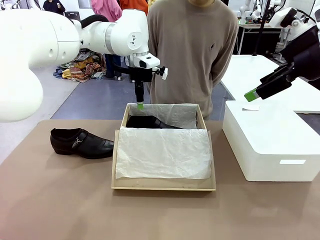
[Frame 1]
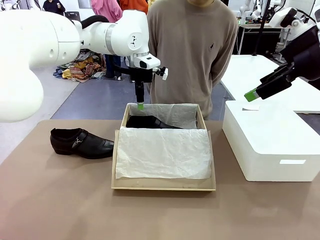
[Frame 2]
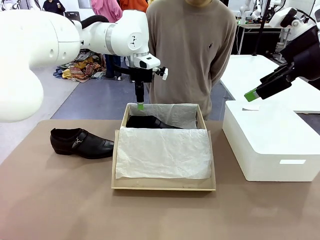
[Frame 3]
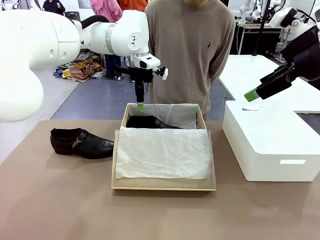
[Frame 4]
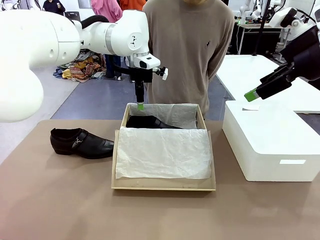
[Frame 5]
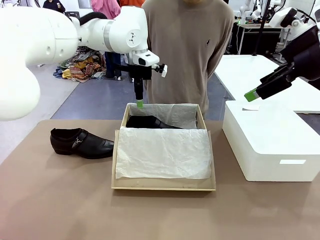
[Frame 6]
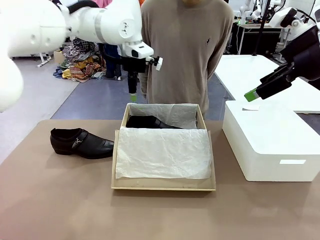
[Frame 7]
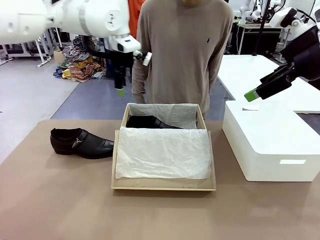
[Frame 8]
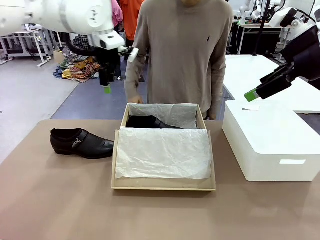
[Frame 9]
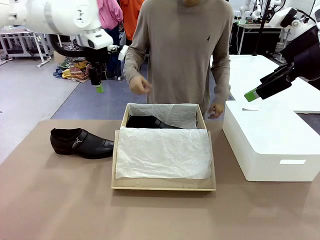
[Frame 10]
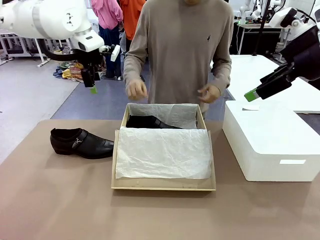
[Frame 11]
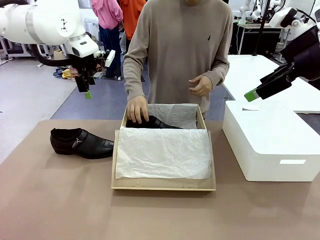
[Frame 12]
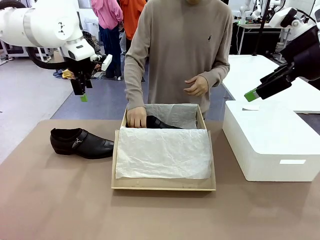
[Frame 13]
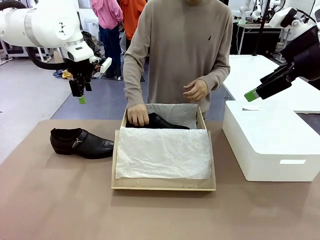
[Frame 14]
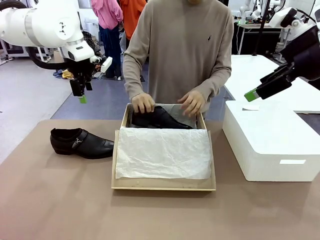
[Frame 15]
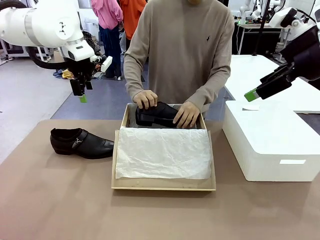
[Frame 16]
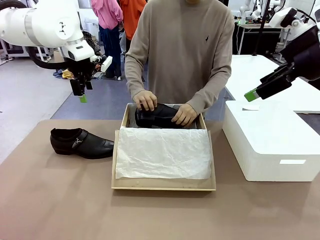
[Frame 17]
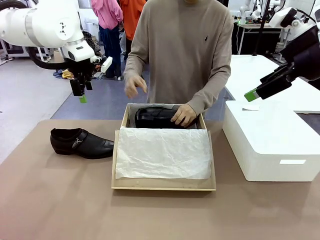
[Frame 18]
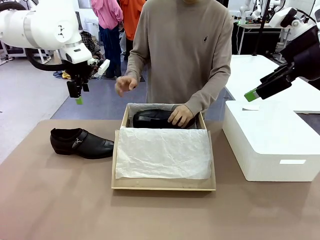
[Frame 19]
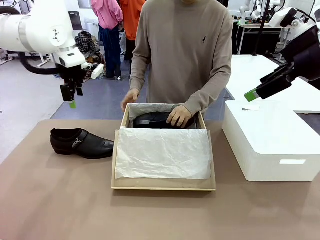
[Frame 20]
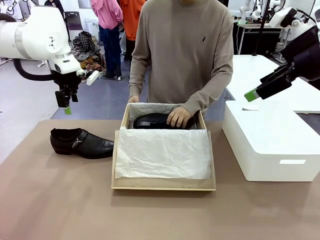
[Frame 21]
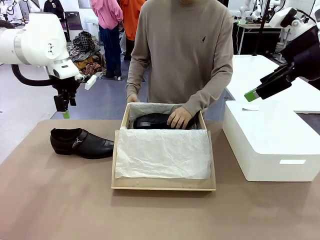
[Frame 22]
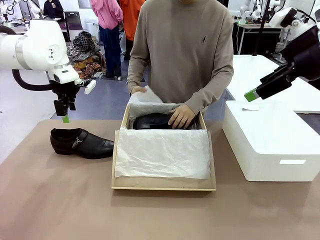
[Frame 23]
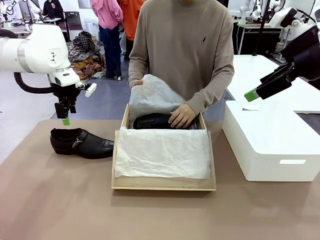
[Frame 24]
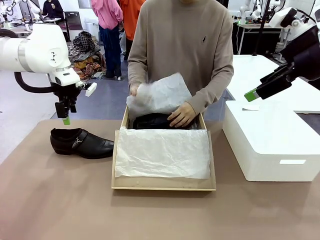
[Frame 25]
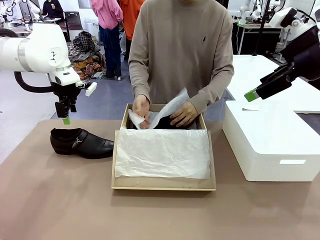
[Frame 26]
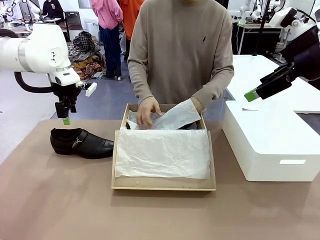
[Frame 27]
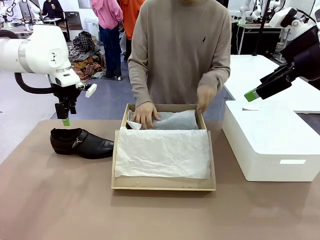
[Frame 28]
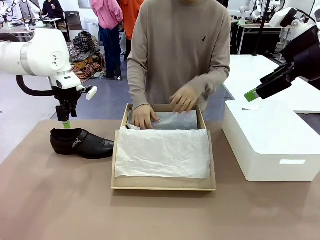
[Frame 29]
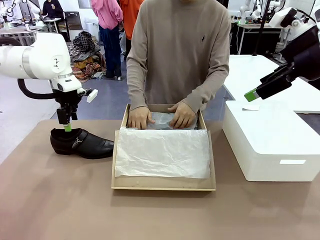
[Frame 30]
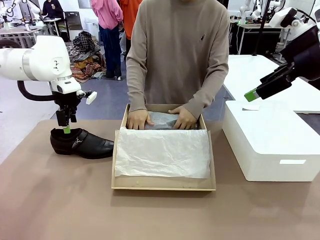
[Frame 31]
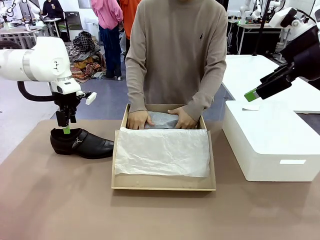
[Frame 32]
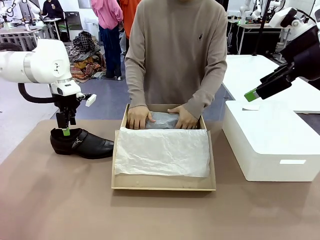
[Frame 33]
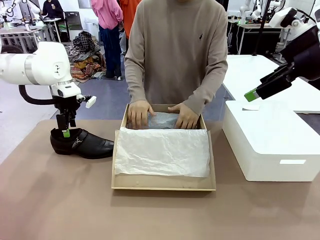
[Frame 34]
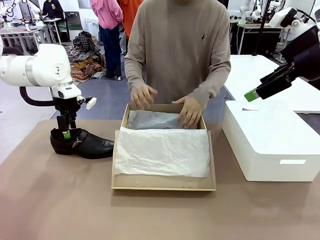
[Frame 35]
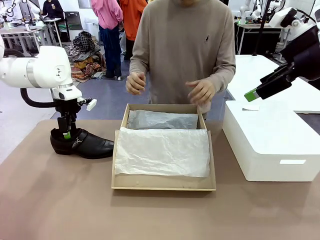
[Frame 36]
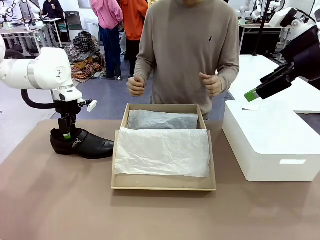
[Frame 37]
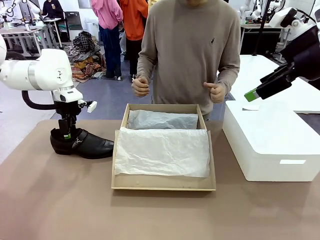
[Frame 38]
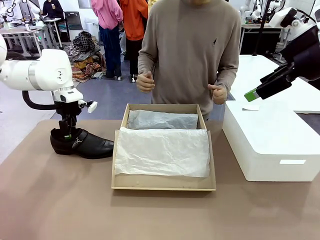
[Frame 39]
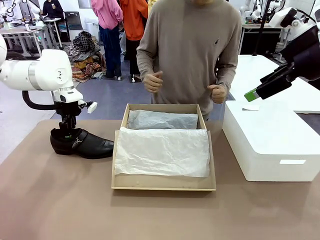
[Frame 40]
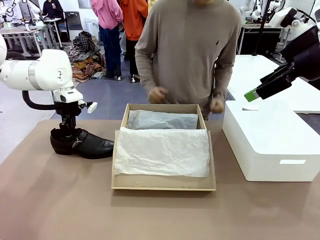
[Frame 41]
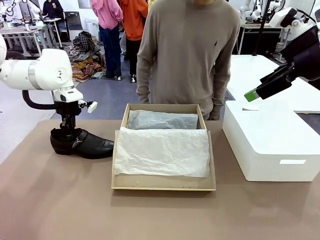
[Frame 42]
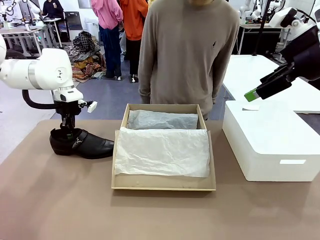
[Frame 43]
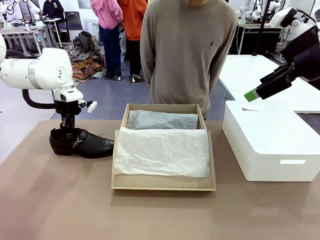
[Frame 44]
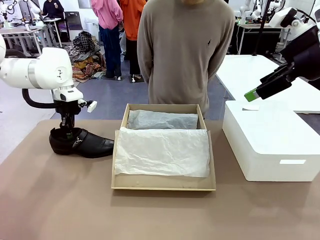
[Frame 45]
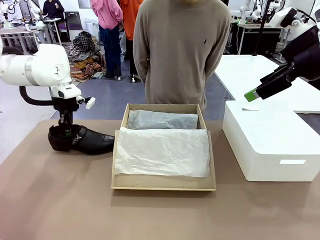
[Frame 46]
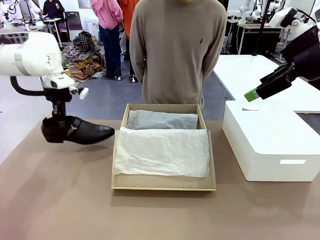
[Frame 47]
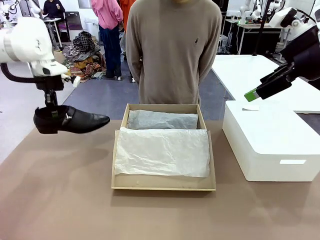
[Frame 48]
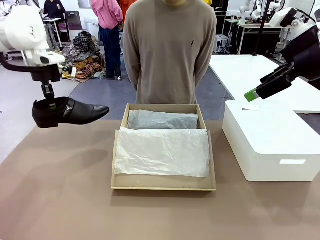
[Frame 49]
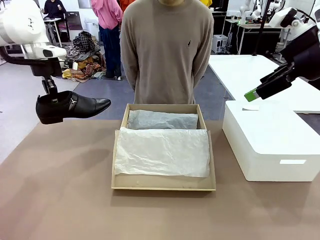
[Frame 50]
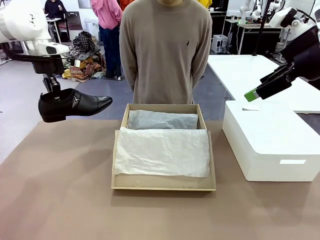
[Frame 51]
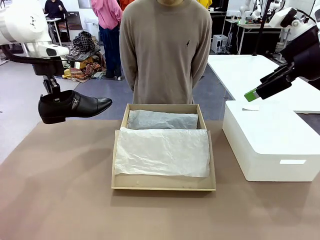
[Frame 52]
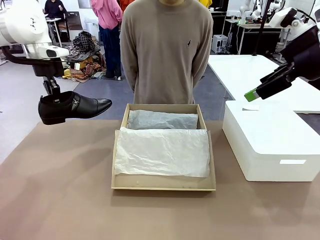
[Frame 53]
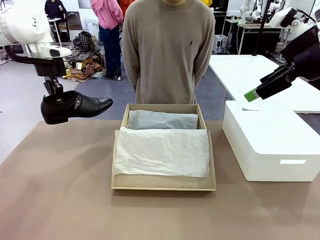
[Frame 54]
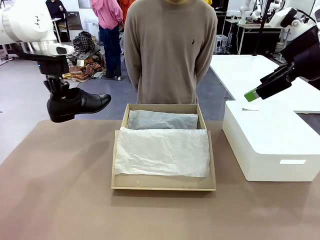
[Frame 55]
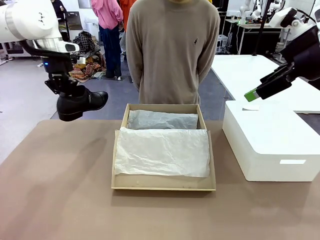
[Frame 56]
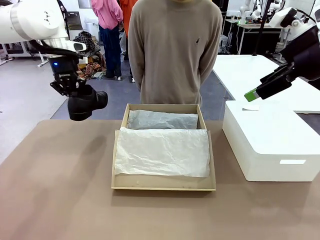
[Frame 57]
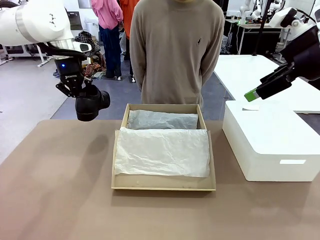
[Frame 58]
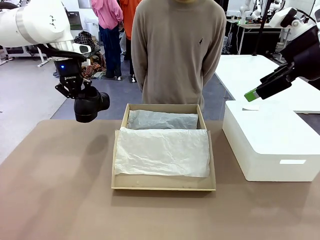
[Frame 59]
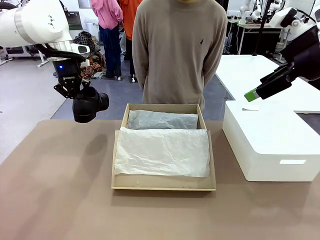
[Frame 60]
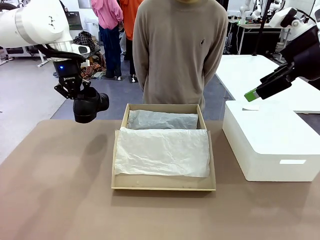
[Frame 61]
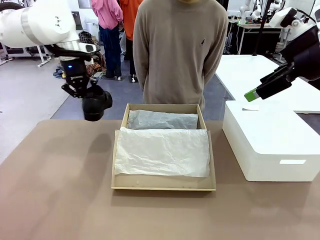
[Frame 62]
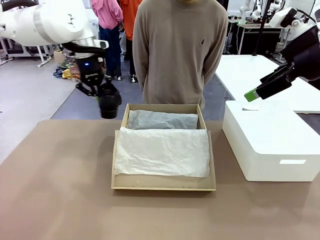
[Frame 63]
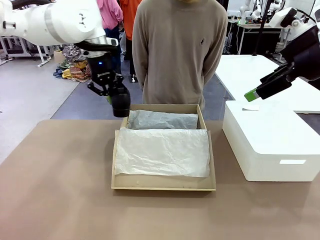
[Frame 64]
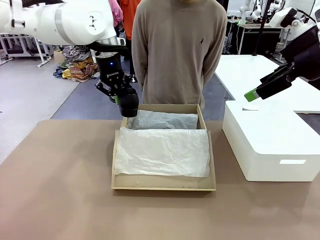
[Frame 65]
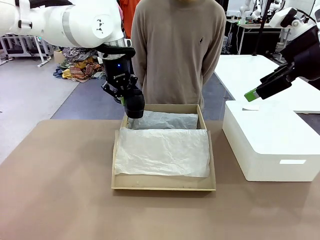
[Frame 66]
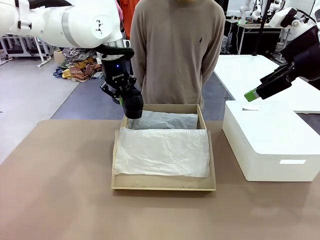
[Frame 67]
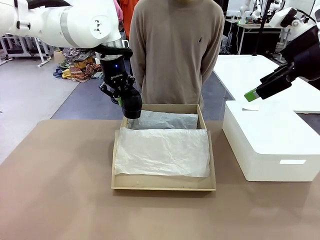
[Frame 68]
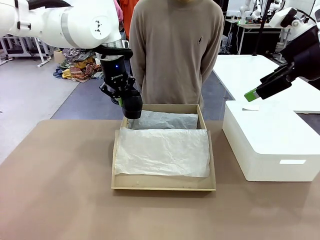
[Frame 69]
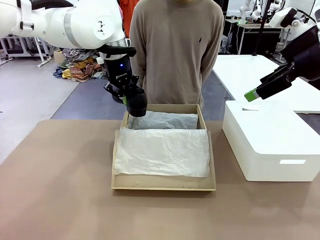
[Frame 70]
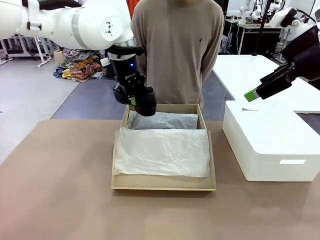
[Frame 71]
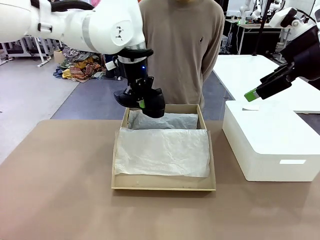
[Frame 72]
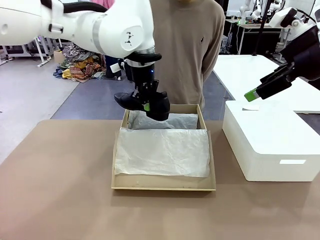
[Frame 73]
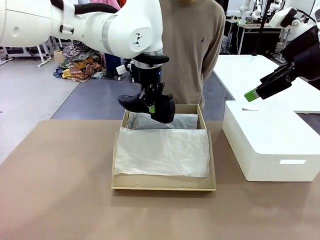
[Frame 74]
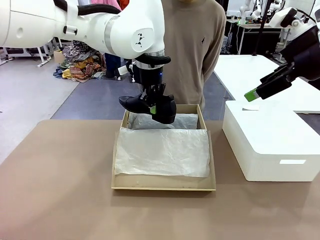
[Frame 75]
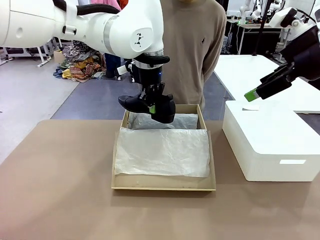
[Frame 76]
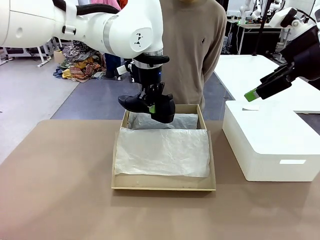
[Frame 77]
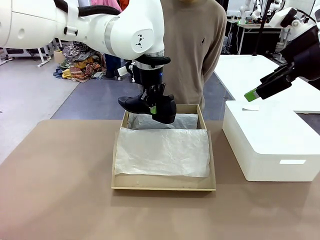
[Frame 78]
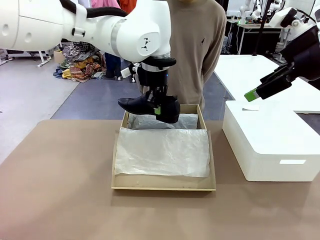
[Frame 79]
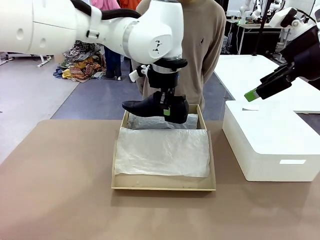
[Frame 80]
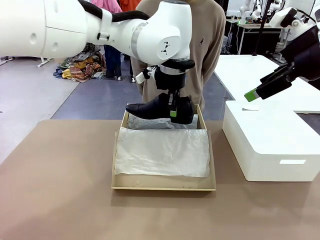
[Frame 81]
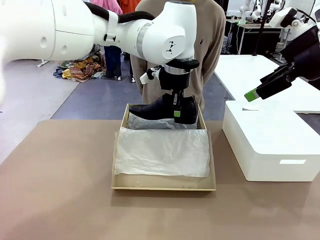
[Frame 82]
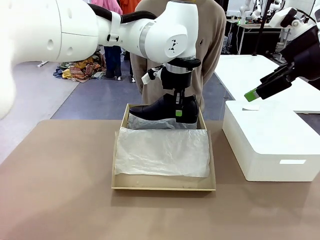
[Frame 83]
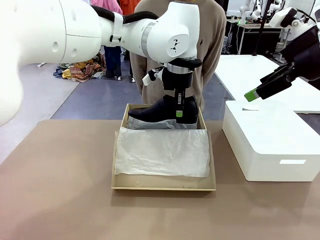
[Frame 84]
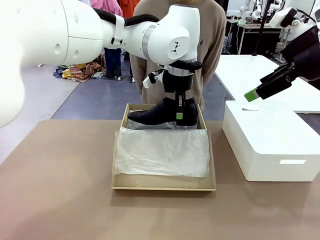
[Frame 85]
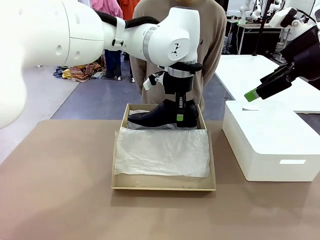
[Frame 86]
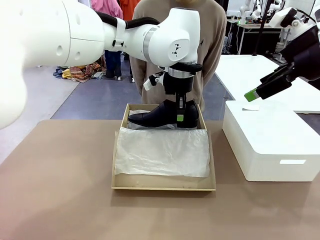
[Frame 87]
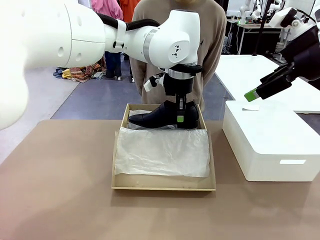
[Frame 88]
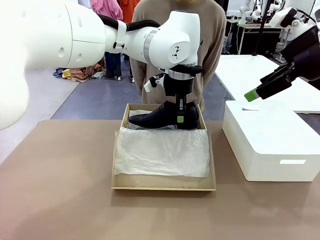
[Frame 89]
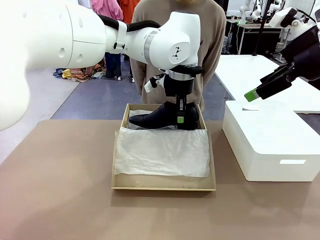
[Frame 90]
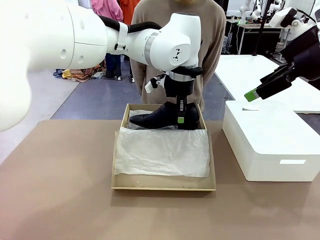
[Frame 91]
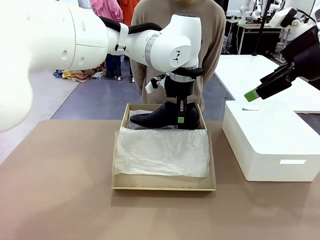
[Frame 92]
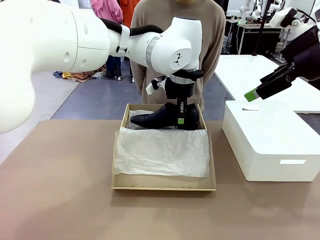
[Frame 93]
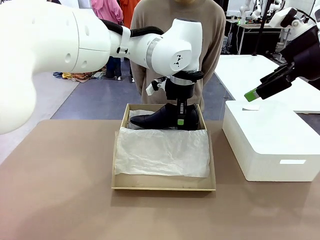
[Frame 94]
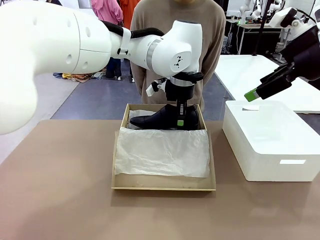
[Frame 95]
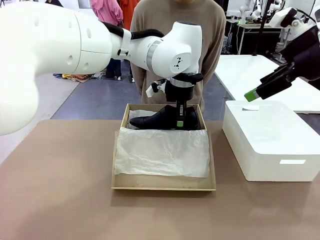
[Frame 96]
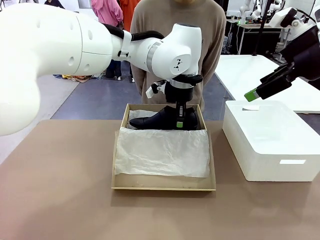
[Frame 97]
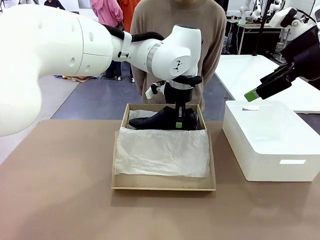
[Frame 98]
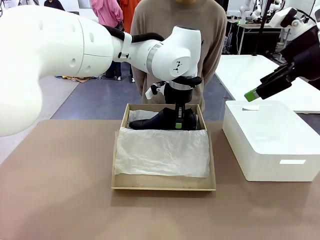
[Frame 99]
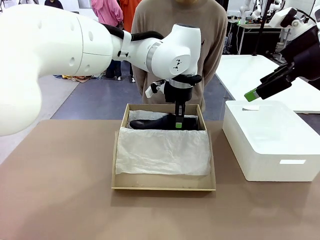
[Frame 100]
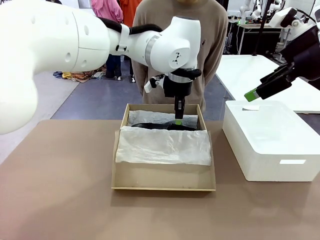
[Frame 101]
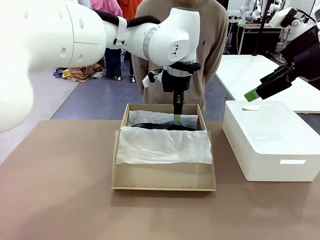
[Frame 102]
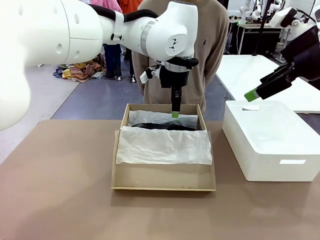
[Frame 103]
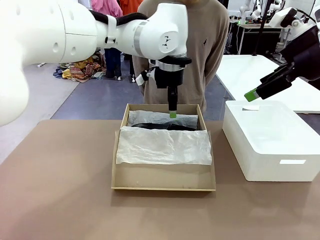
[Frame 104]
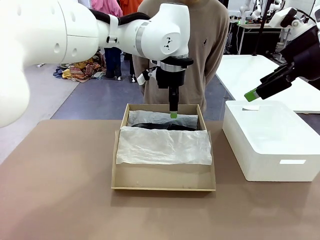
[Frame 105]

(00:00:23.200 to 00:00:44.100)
Task: Pack the shoes into the box.
Robot: Place the other shoe of the Shoes into the Shoes Box.
Person: Pack a shoe of Shoes inside the Shoes Box with Shoes Wrapping Paper.
